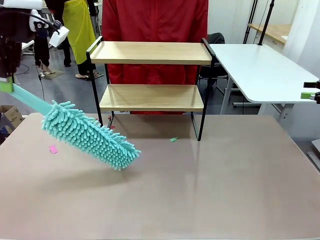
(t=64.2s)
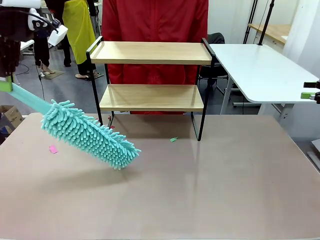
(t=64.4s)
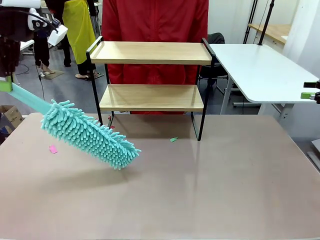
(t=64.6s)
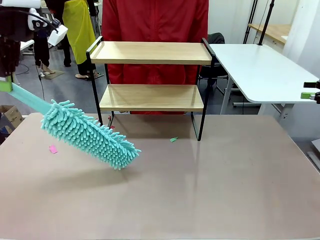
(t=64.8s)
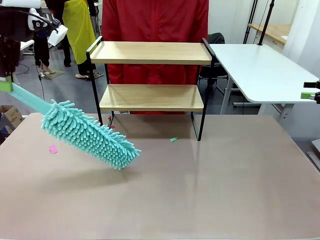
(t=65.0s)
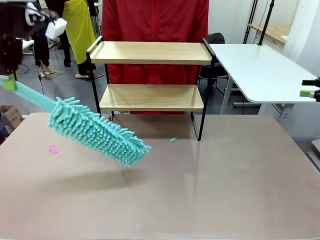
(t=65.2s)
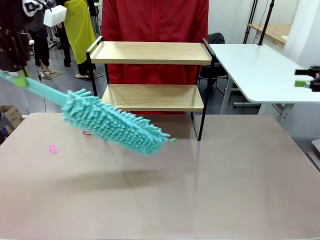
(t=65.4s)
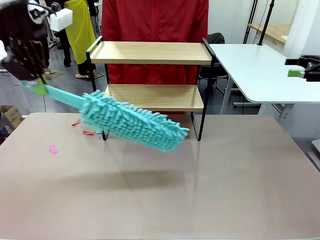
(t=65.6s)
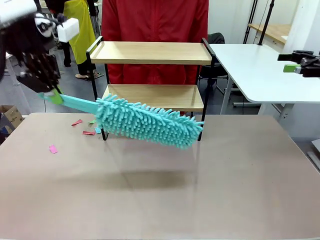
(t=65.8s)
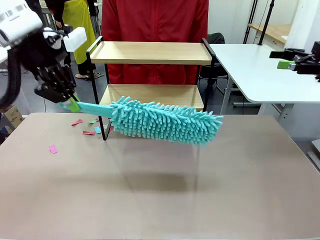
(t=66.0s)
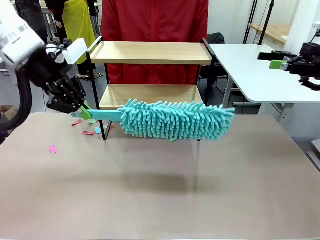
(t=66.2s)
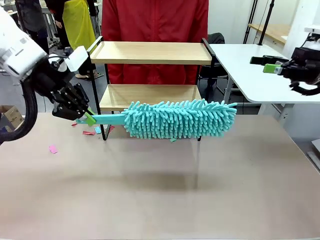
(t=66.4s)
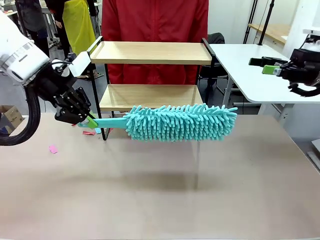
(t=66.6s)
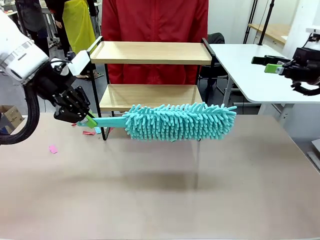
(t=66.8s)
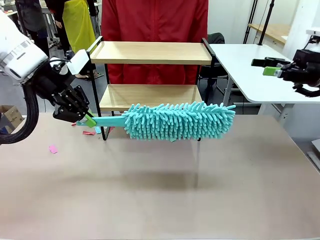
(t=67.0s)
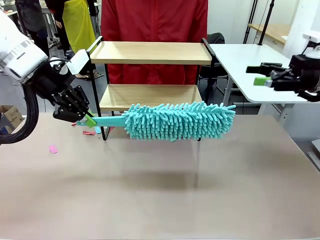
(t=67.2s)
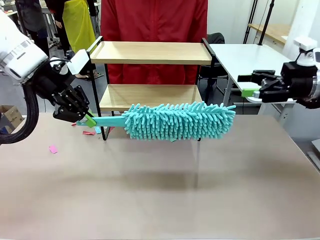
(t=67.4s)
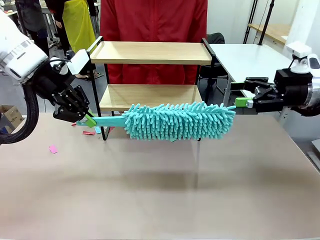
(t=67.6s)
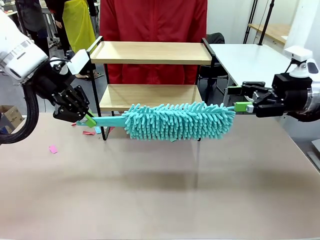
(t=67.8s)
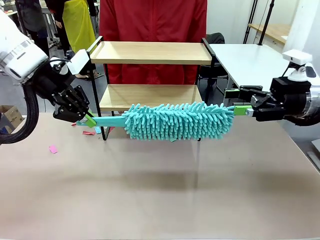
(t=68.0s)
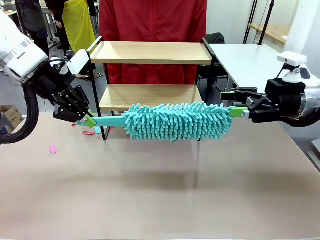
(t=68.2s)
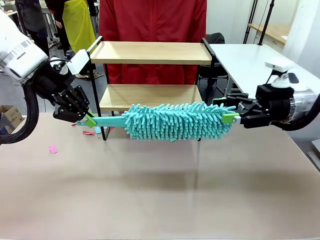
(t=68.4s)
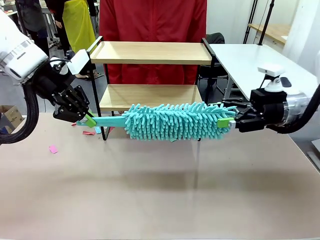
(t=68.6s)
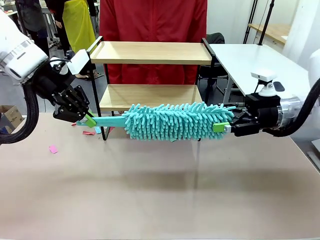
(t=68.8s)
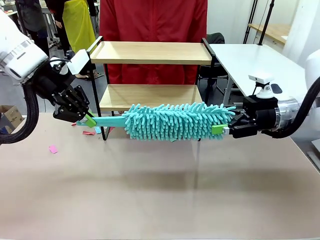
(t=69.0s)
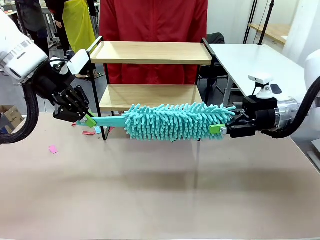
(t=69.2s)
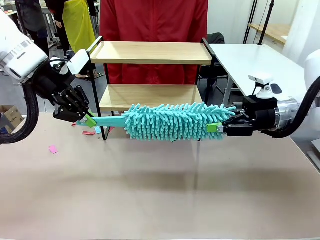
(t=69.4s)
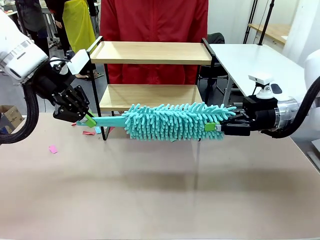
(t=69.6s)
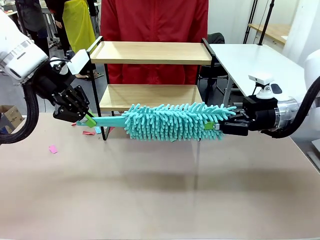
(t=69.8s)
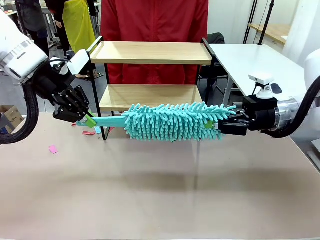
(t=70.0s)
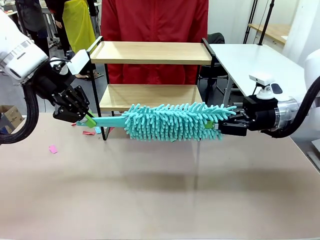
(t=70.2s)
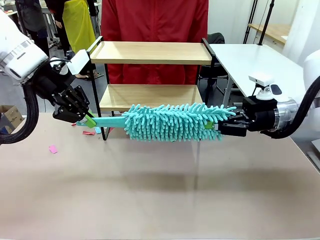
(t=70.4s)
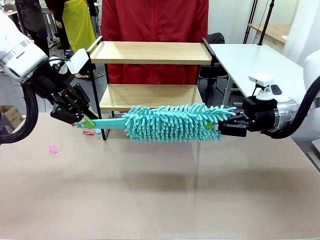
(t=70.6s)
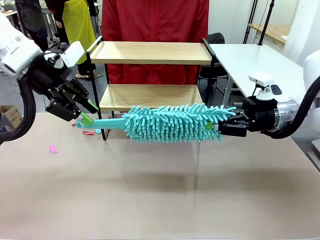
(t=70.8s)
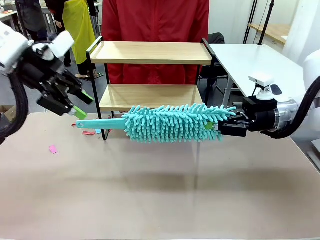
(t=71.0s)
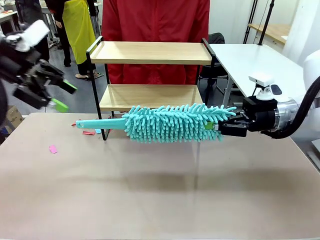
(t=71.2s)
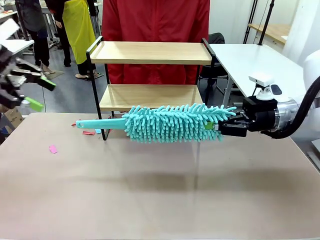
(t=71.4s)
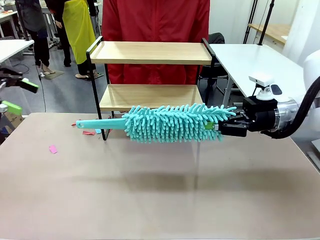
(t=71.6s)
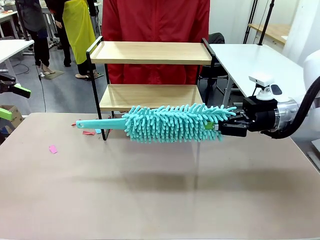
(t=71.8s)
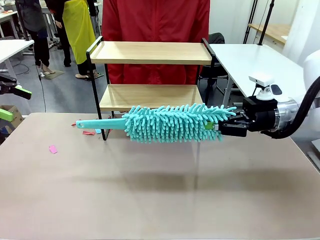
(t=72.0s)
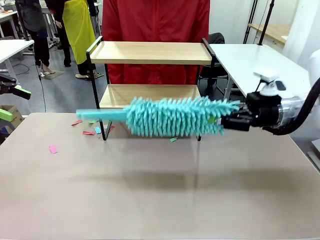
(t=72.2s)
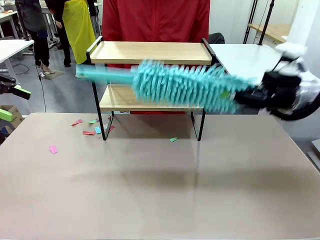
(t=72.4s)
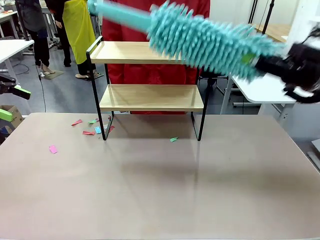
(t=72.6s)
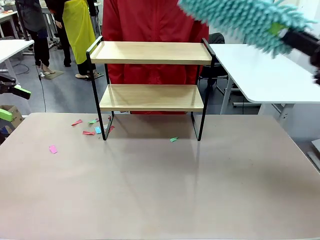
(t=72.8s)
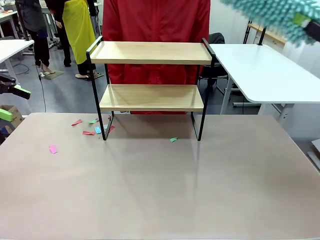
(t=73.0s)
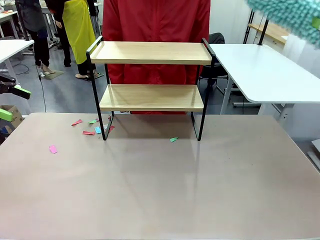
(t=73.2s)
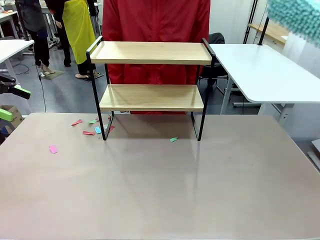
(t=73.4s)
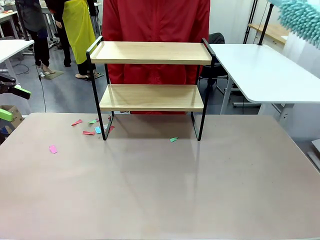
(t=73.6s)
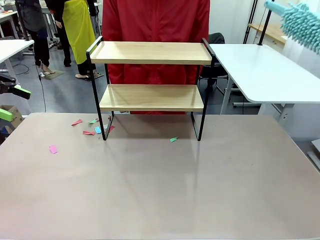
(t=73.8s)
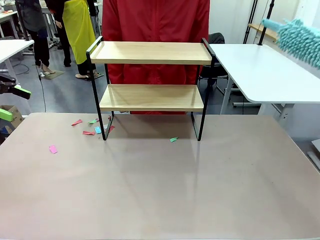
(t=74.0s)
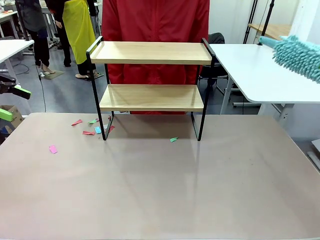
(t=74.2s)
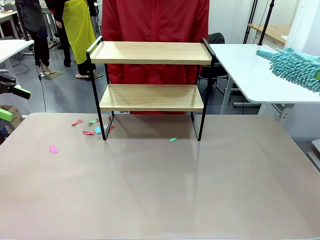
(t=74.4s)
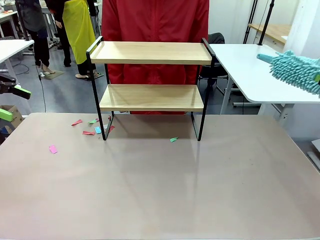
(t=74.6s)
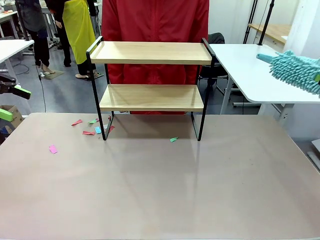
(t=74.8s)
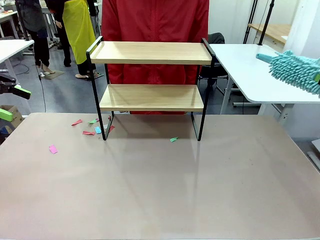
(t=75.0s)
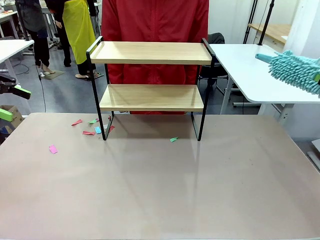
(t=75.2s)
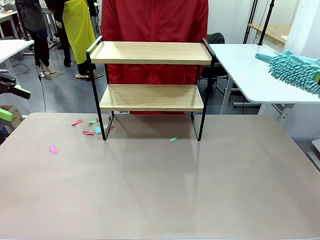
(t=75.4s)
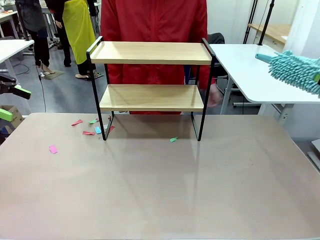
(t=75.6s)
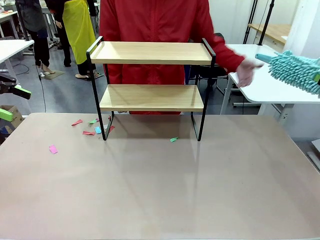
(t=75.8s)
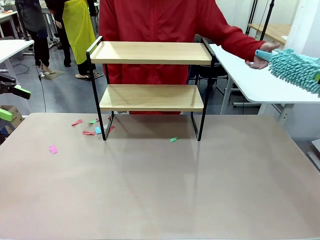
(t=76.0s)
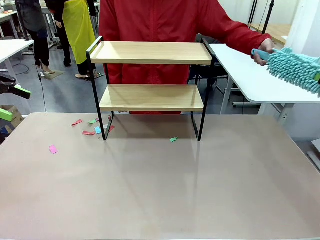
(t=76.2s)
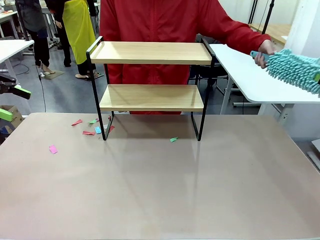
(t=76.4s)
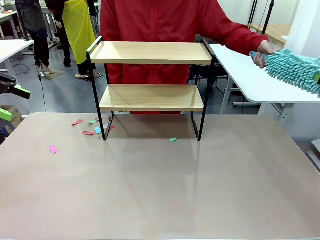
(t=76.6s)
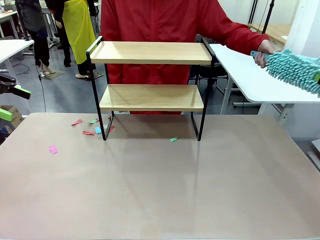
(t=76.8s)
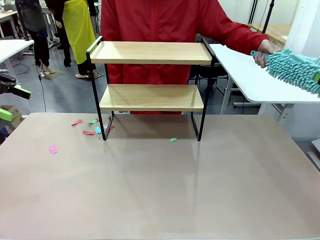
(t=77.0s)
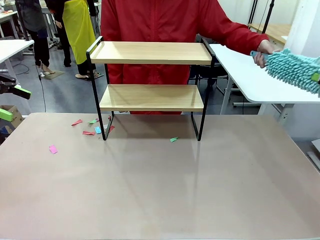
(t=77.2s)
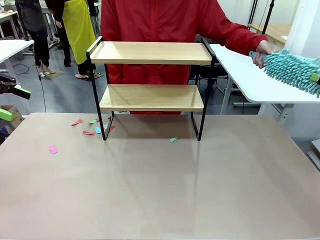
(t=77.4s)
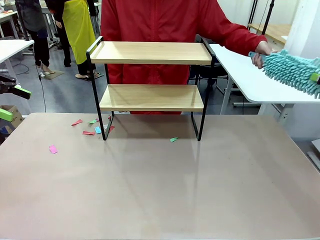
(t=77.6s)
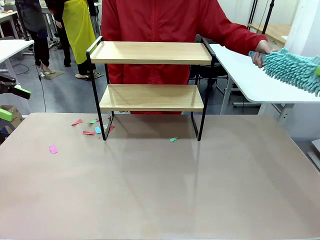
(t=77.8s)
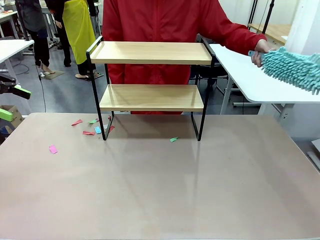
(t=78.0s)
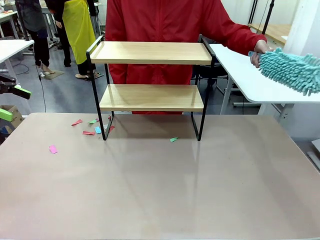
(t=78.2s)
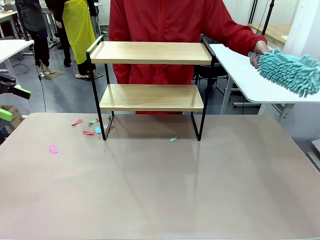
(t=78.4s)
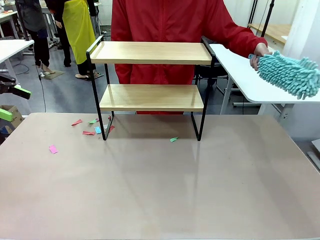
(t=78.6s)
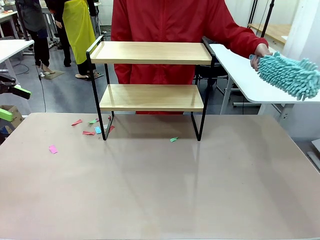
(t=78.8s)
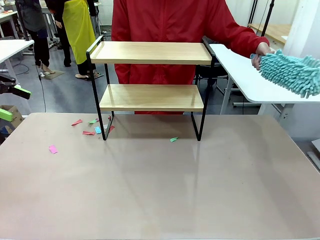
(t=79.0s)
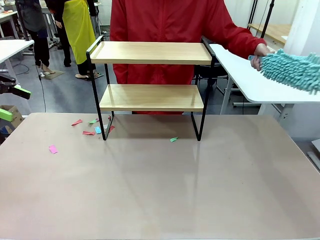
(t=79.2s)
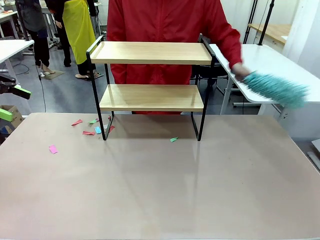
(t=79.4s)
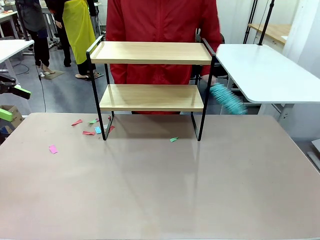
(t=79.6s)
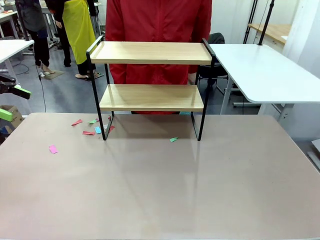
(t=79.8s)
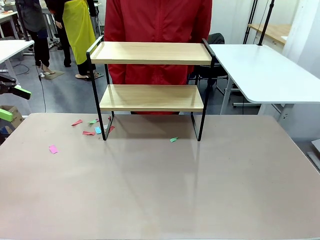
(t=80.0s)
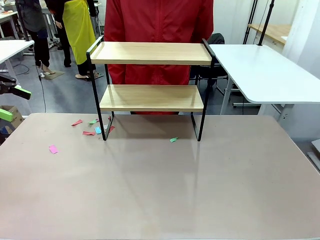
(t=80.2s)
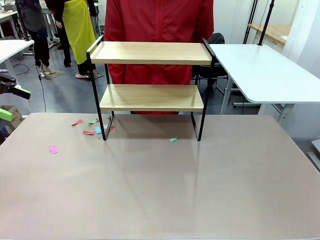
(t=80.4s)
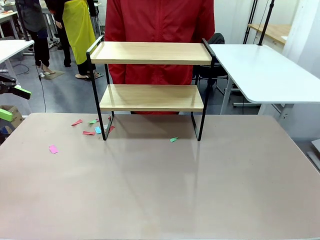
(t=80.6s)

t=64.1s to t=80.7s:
Task: Clean the shelf.
Robot: Hand the Duster back to the human.
Person: Receive the Duster from the robot.
